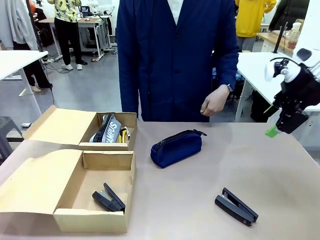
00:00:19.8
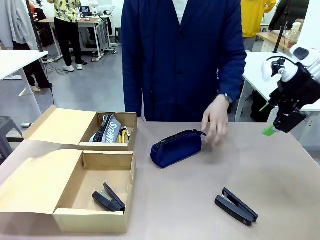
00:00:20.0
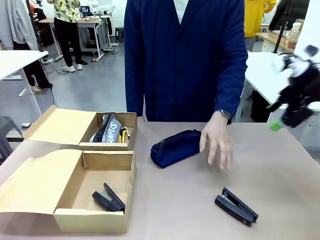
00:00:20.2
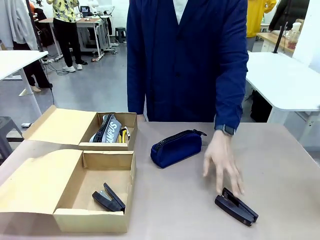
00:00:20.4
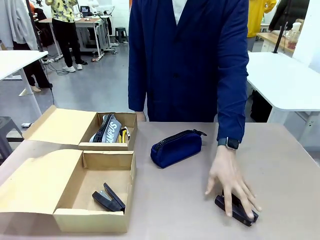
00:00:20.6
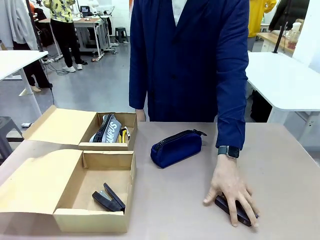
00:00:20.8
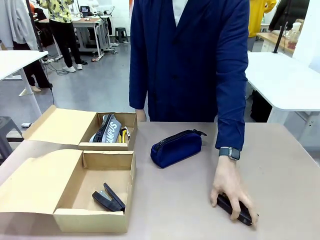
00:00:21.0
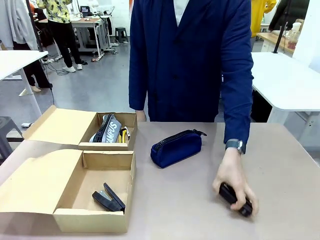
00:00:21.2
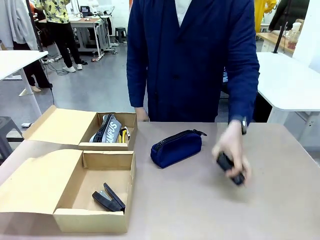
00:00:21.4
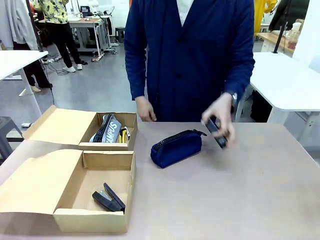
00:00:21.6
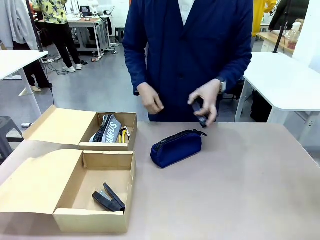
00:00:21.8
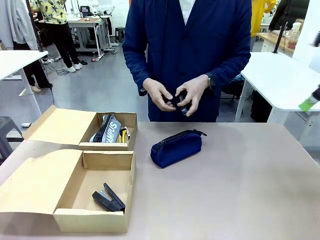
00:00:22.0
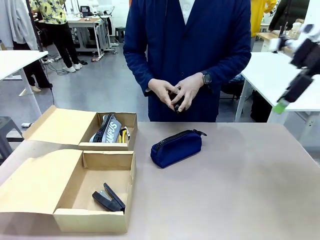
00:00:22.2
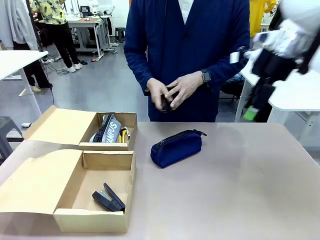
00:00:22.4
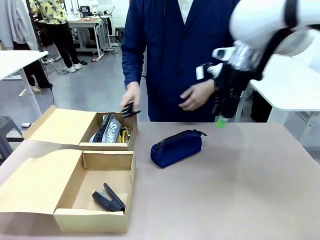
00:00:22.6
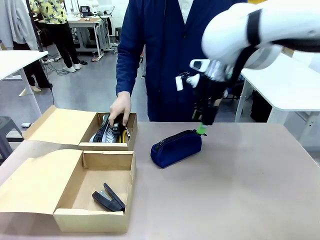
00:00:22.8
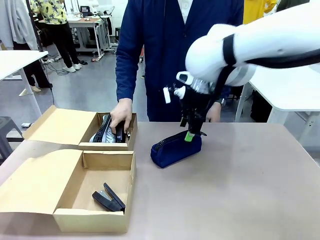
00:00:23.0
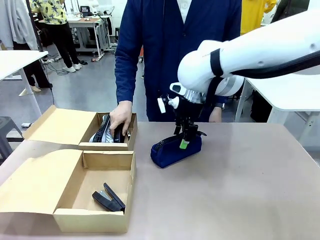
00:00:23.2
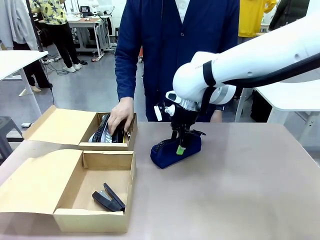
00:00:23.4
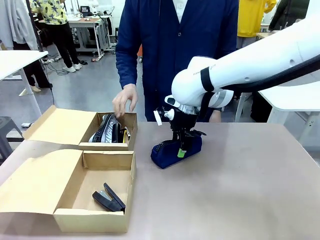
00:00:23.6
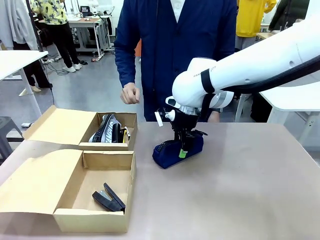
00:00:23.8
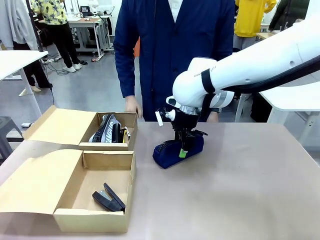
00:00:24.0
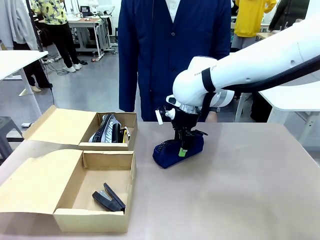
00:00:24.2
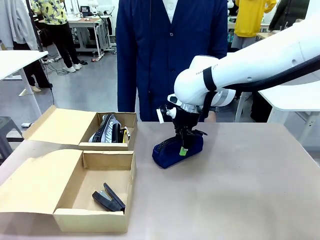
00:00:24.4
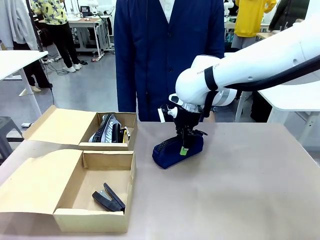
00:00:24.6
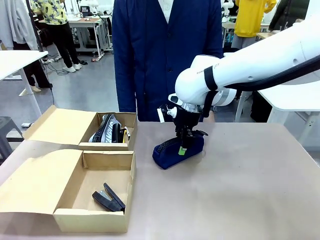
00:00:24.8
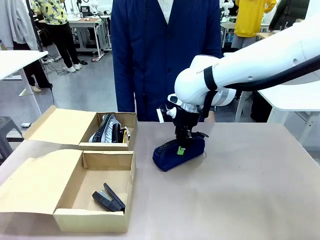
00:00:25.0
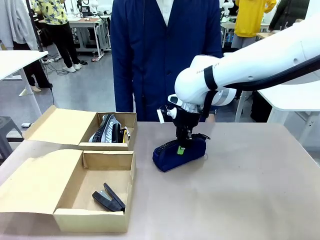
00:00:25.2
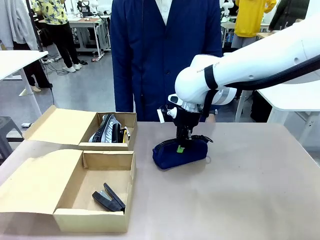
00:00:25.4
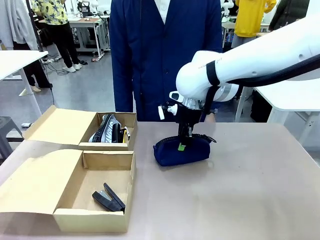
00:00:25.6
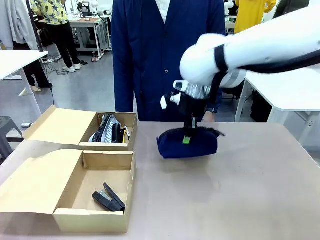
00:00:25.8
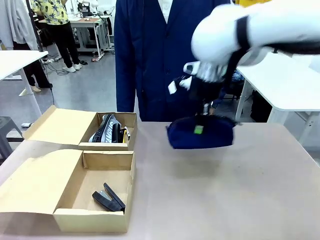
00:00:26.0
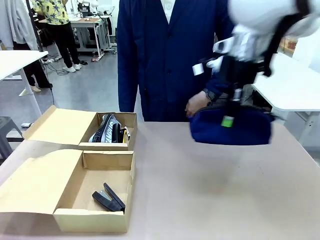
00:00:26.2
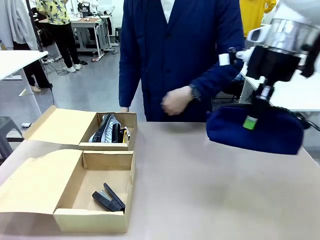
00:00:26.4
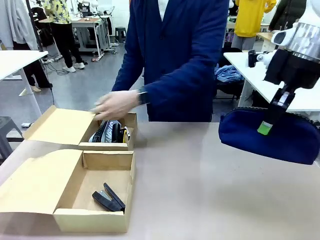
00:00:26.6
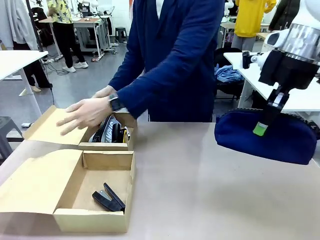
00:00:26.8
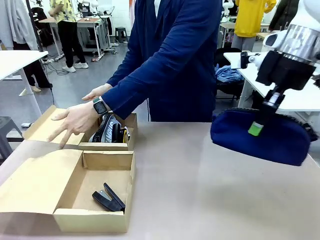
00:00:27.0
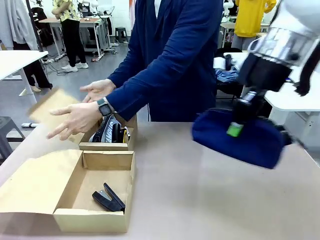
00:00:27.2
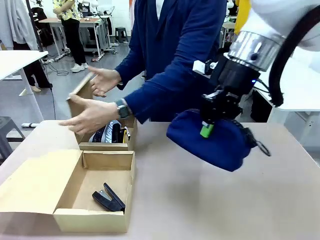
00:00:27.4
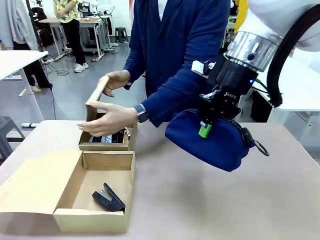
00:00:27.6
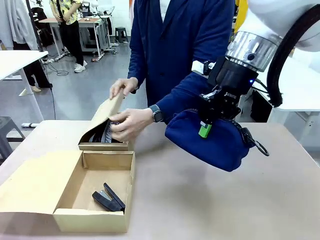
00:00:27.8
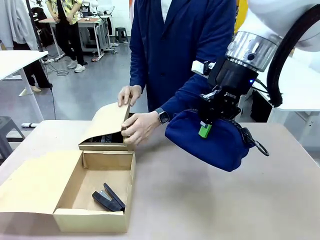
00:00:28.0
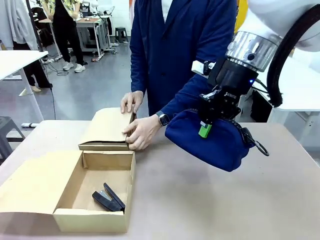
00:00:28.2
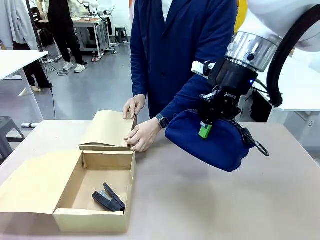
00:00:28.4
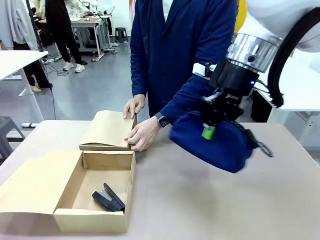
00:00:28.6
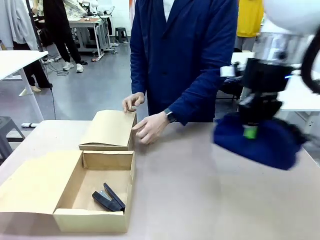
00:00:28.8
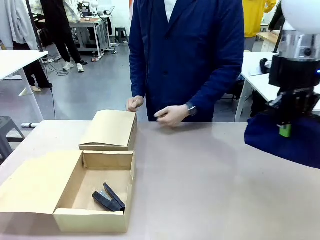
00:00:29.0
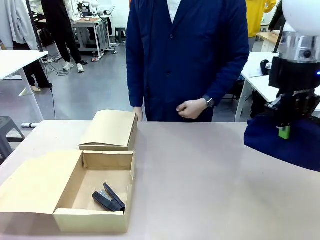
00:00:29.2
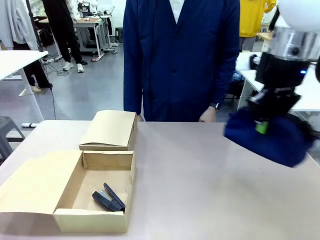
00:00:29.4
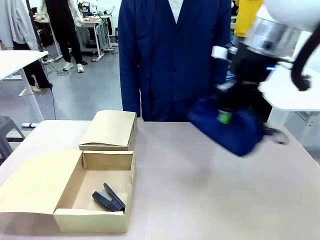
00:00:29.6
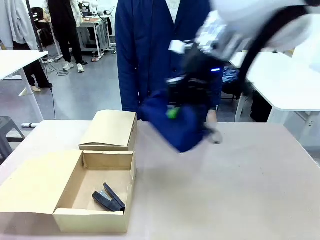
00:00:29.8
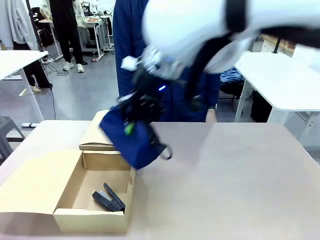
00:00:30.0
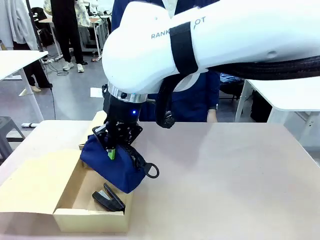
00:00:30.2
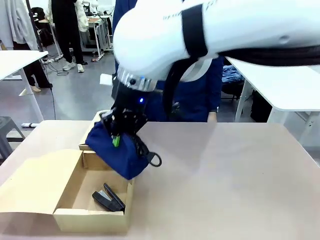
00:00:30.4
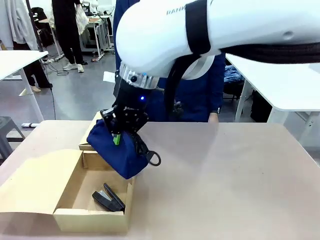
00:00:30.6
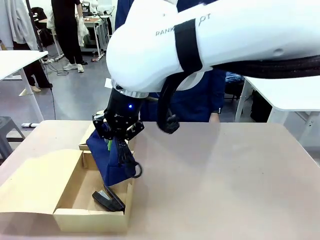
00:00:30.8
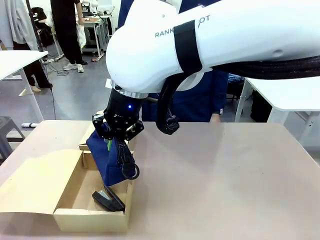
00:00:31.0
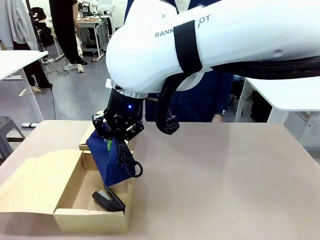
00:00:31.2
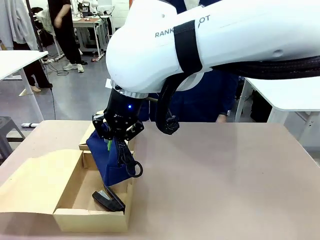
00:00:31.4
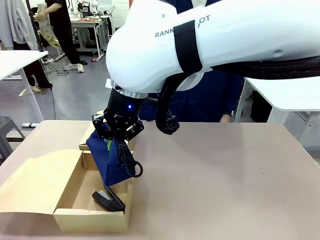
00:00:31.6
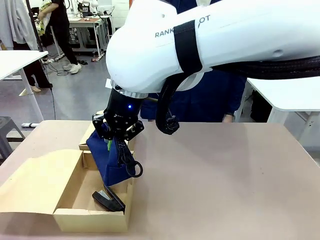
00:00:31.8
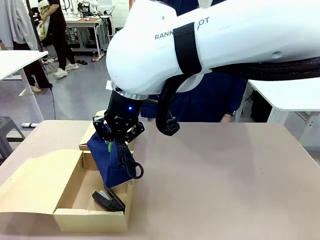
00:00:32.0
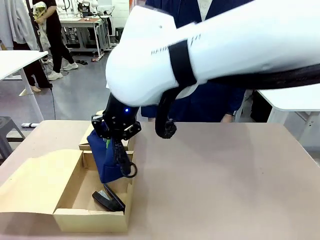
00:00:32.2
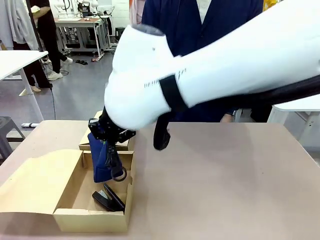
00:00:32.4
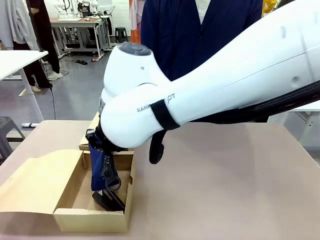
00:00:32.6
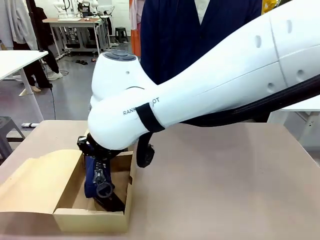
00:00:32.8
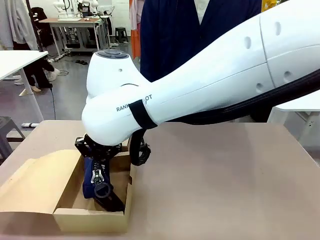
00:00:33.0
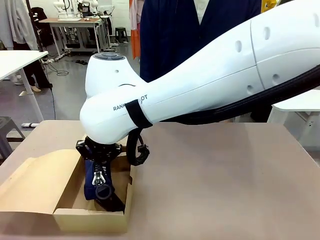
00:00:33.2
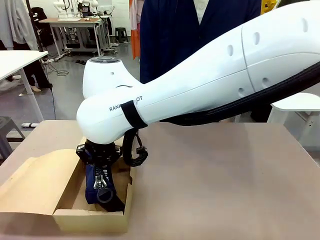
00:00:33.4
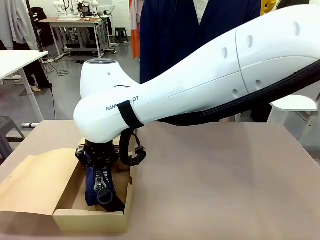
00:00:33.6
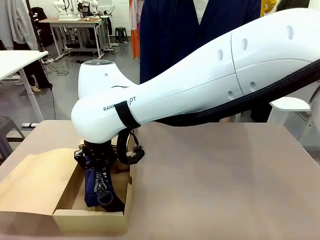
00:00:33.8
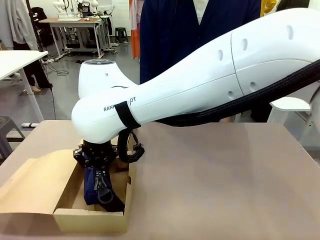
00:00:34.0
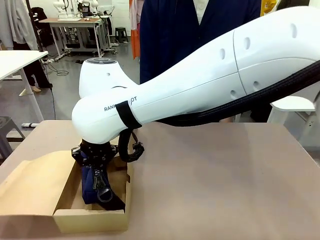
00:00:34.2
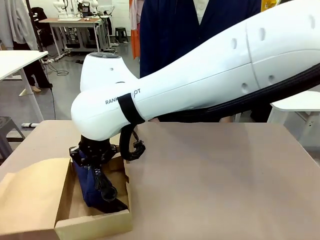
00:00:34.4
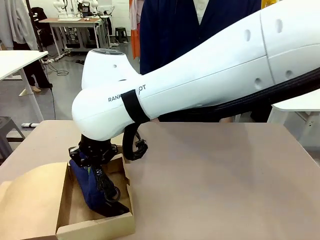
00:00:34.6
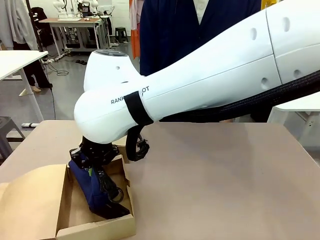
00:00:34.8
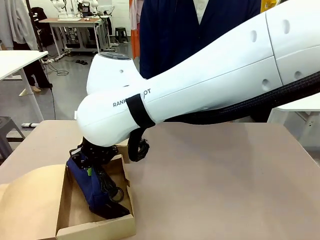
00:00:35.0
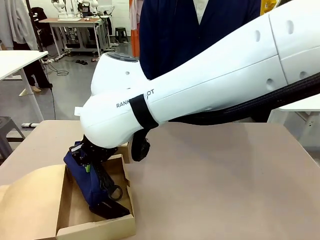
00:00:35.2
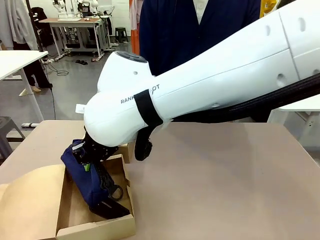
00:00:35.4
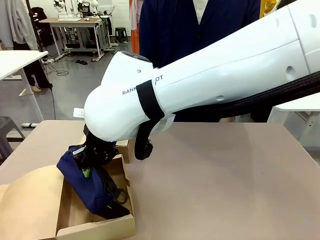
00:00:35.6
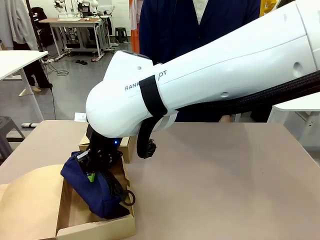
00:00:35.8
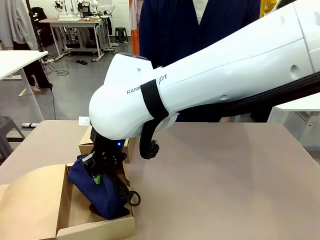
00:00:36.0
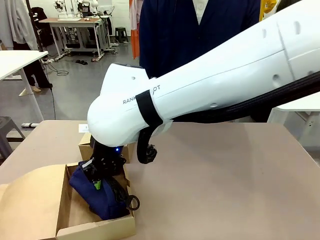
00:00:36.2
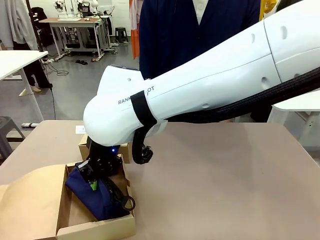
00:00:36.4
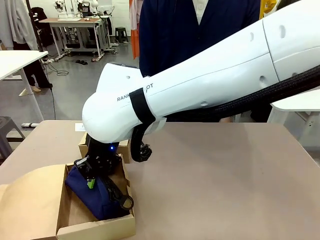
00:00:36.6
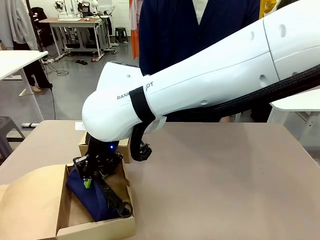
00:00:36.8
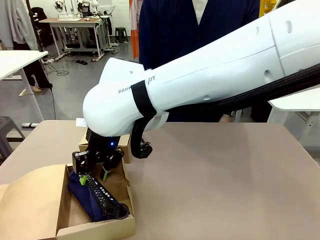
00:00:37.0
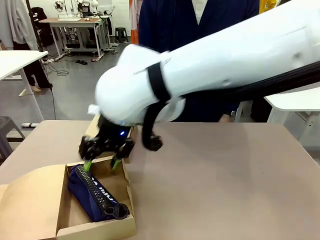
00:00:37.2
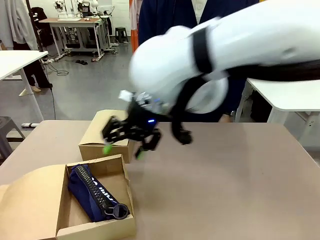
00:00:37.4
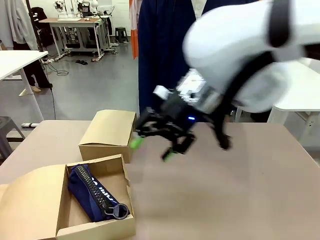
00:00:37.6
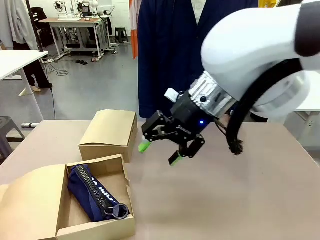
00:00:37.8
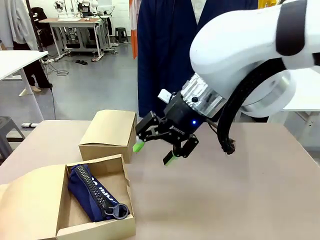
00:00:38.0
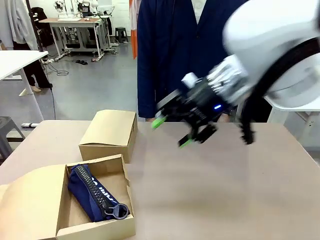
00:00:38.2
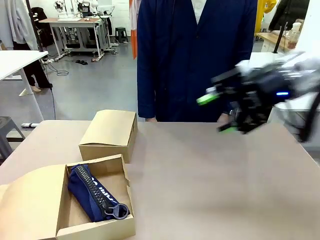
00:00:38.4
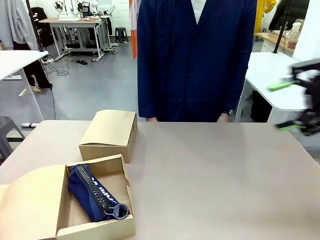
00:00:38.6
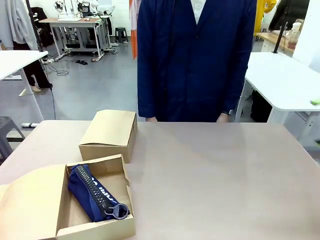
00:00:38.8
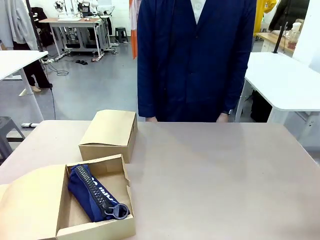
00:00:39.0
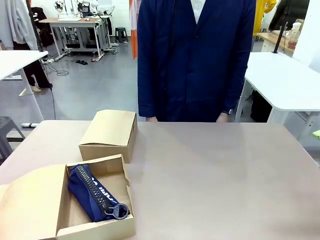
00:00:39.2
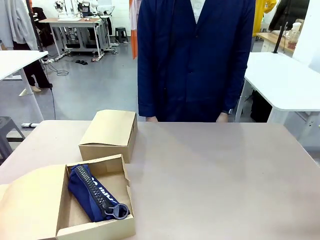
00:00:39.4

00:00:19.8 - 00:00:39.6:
Task: Place items inside the box.
Robot: Pick up a Pencil pouch or Stapler and place it inside the Mailer Box closest to the robot.
Person: Close the lid of the box facing the person.
